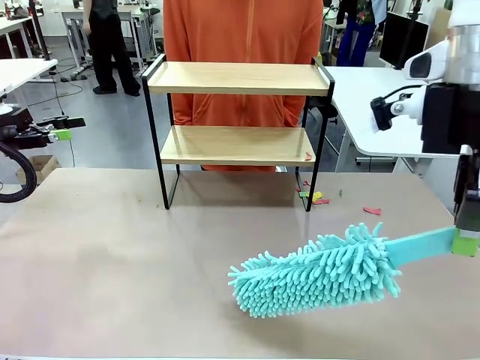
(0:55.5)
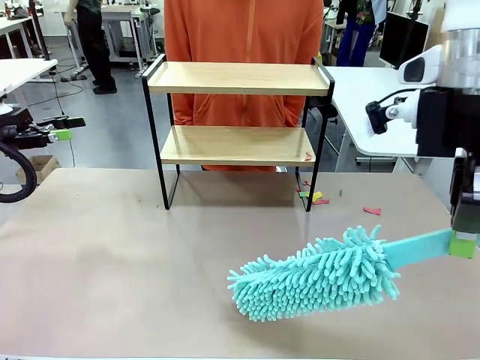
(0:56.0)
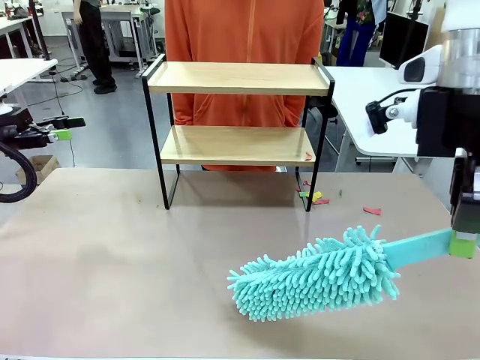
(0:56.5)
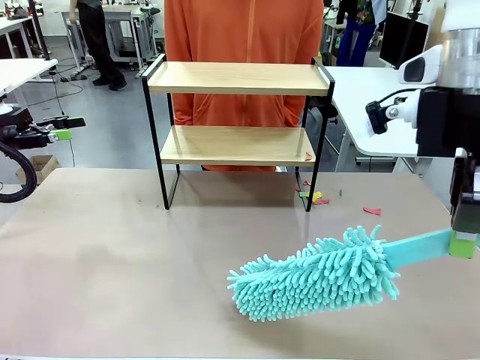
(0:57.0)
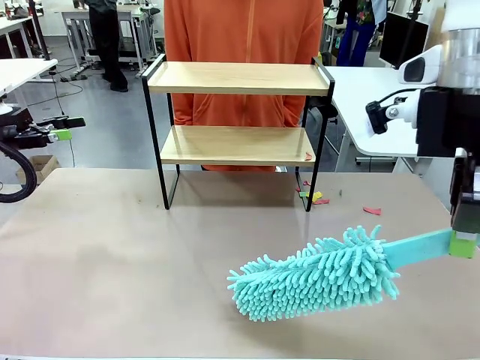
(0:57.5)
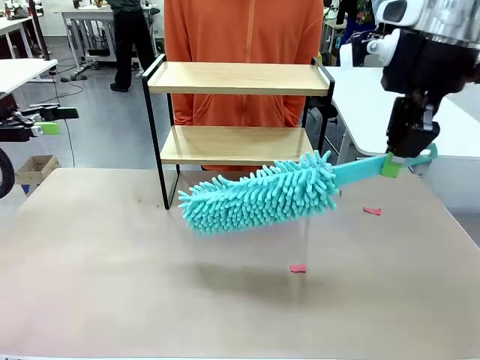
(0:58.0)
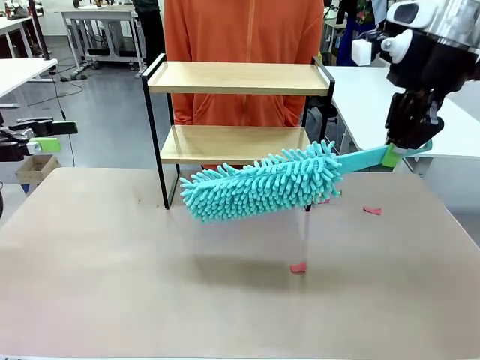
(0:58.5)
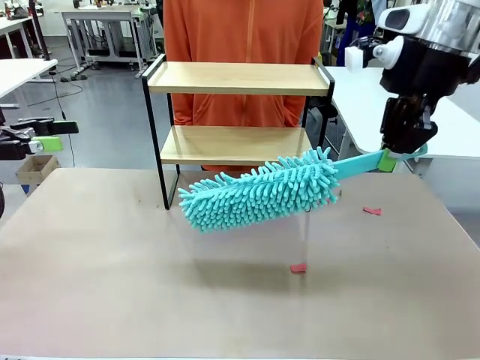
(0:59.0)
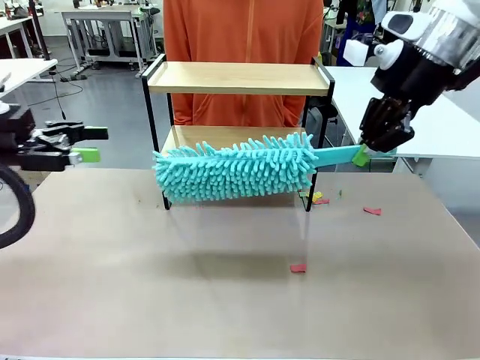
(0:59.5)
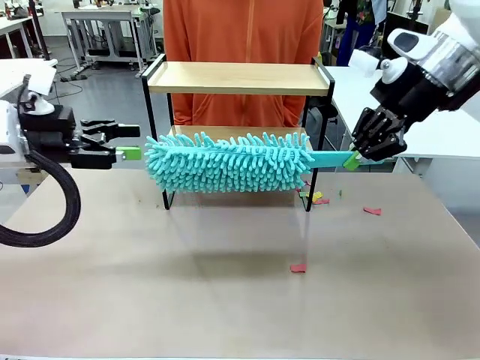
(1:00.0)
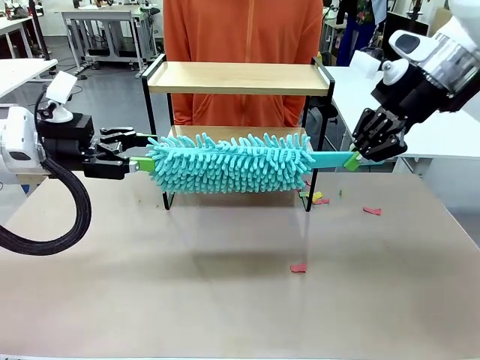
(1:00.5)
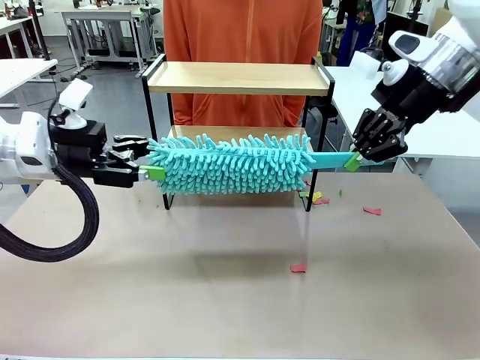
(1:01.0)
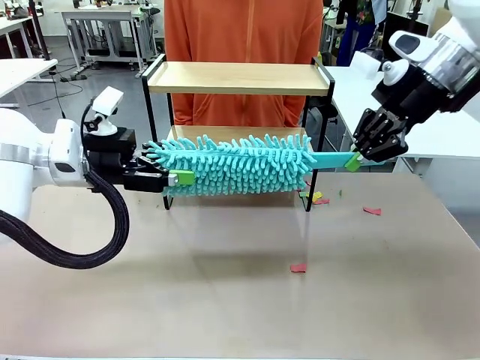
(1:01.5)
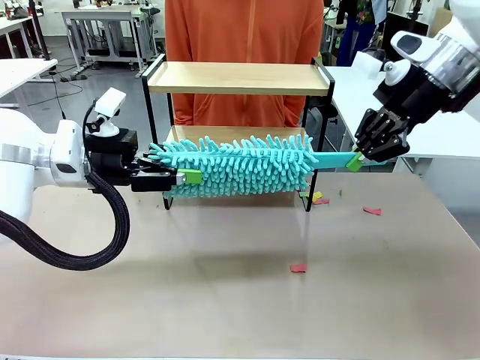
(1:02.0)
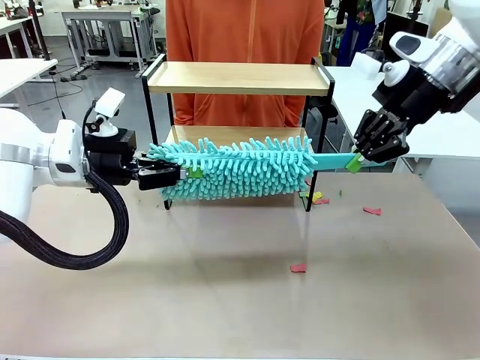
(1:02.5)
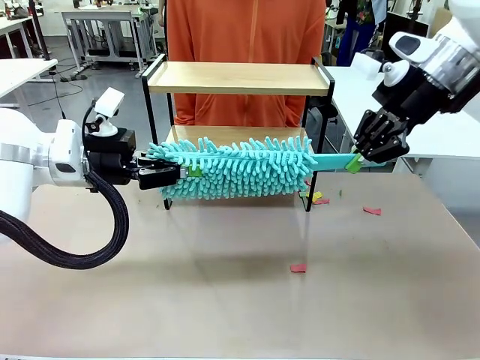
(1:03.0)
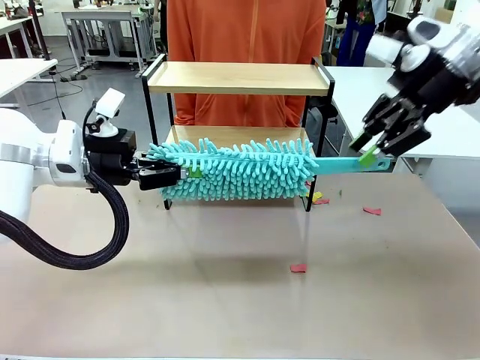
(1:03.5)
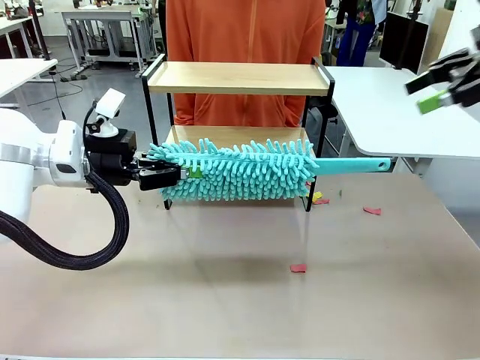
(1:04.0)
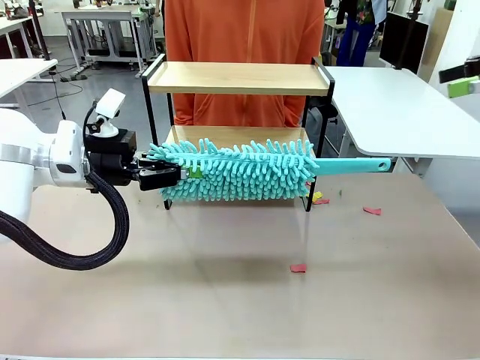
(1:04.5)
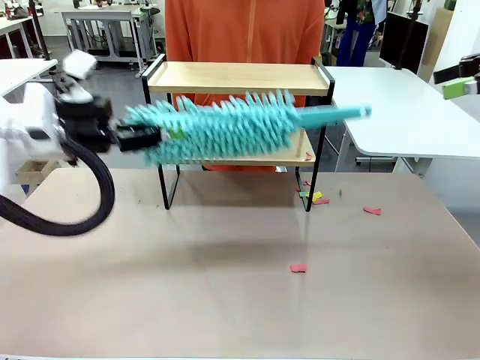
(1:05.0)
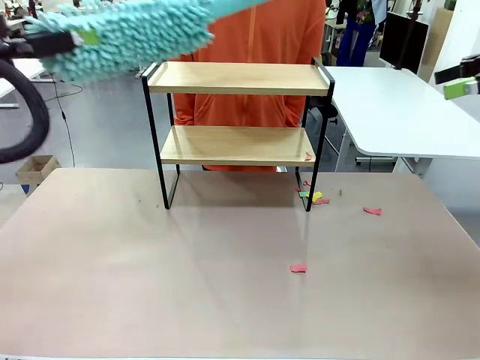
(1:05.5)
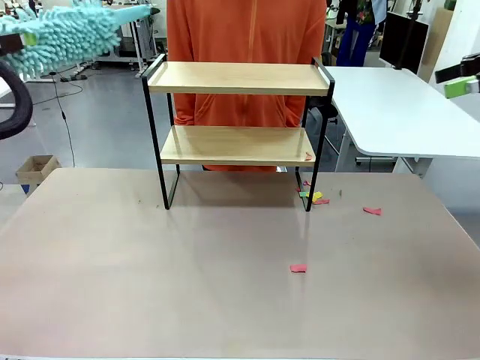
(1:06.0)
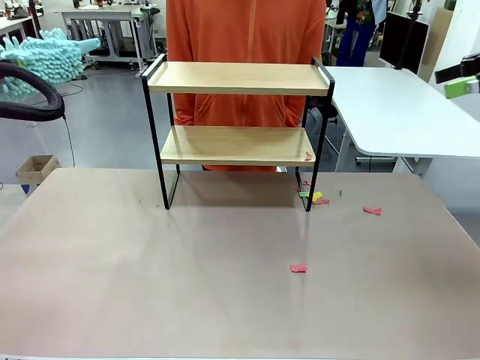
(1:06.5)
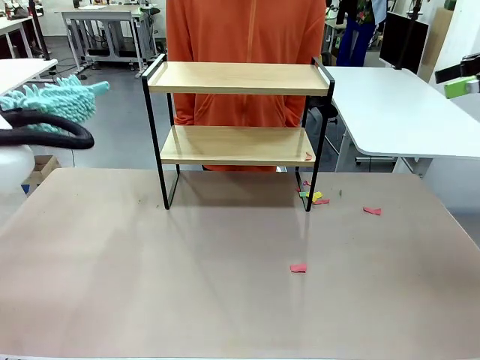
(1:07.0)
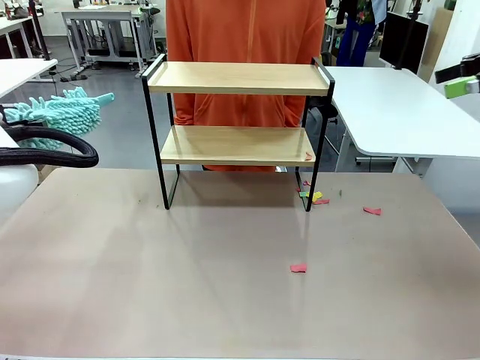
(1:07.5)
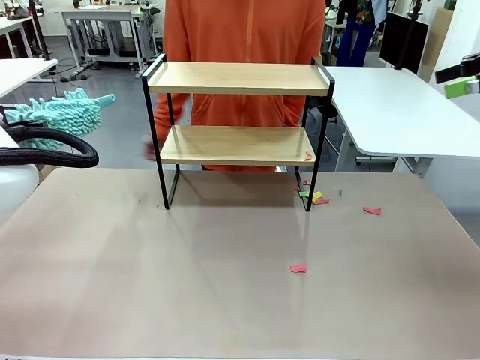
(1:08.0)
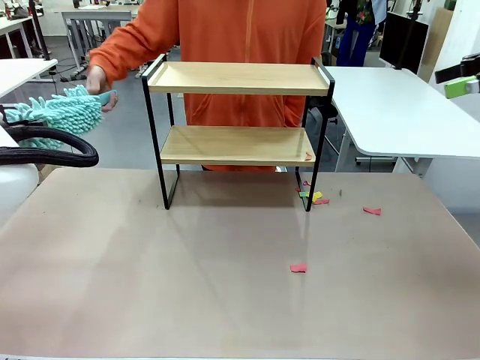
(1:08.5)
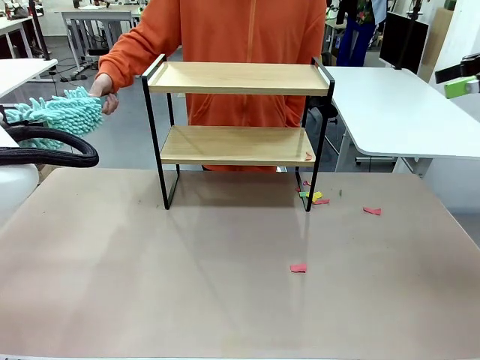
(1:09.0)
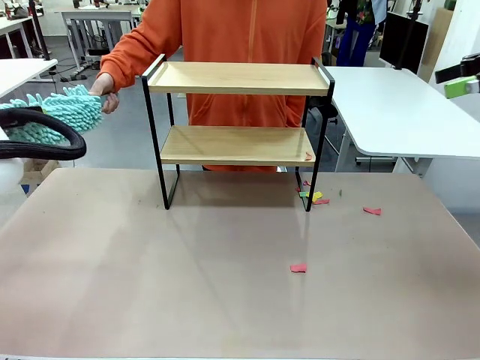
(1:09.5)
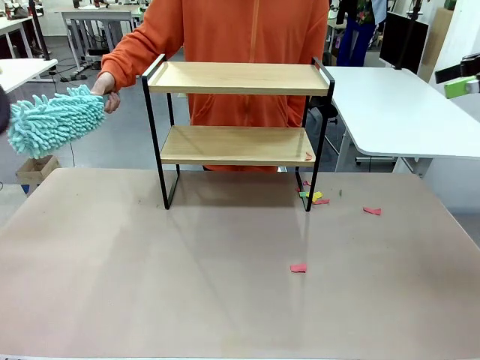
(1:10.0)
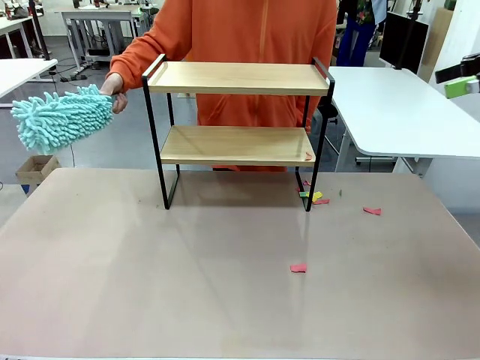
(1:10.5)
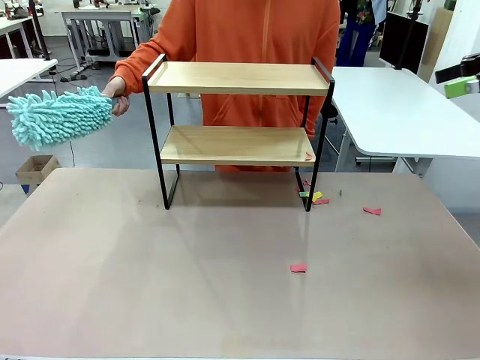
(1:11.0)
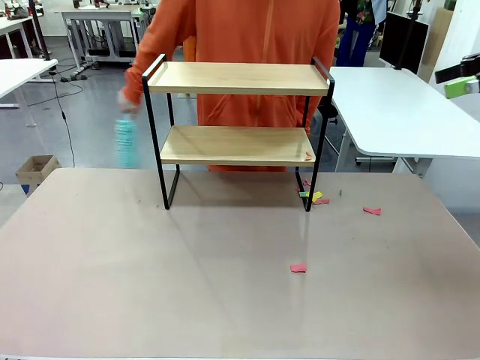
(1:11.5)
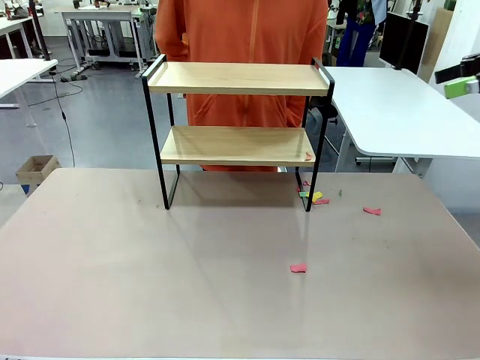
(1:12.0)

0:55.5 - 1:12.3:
Task: Clean the shelf.
Robot: Hand the Duster back to the human.
Person: Receive the Duster from the robot.

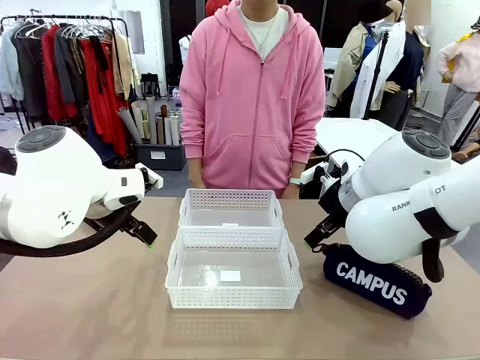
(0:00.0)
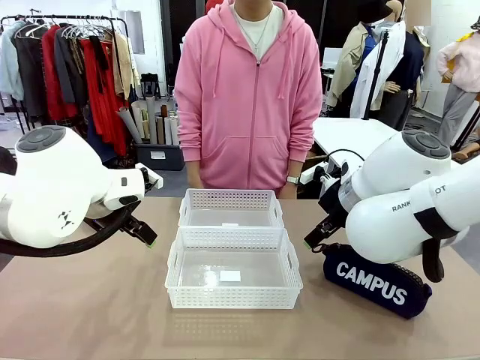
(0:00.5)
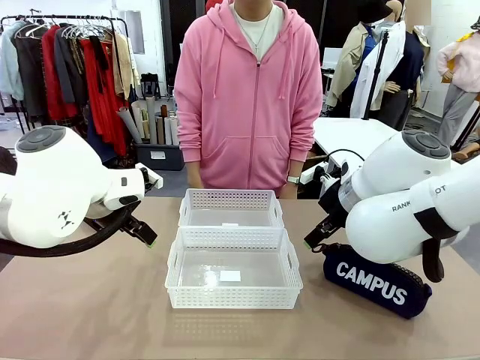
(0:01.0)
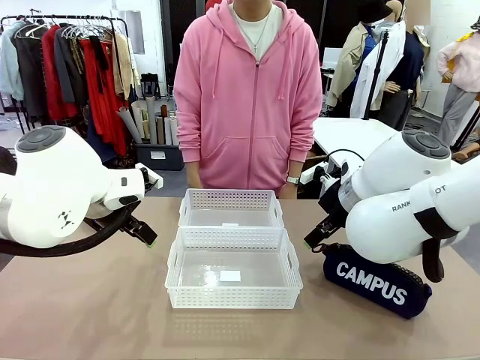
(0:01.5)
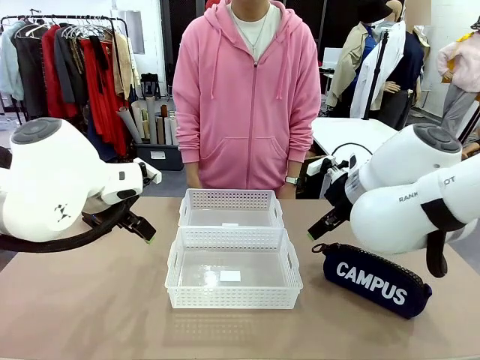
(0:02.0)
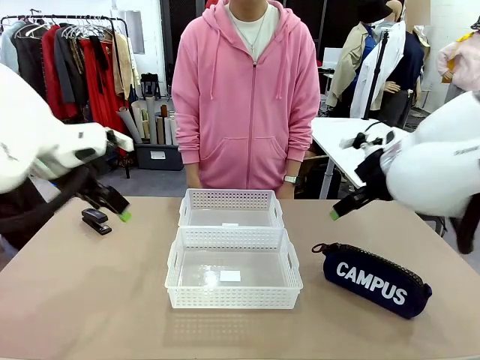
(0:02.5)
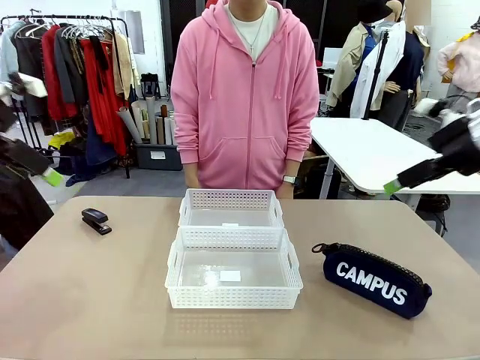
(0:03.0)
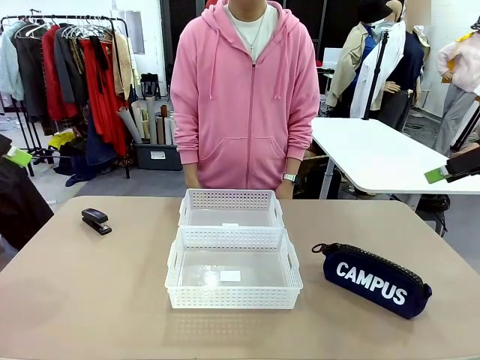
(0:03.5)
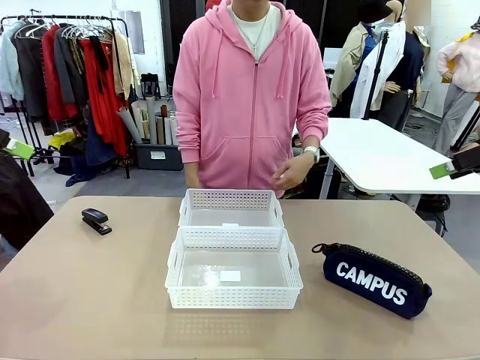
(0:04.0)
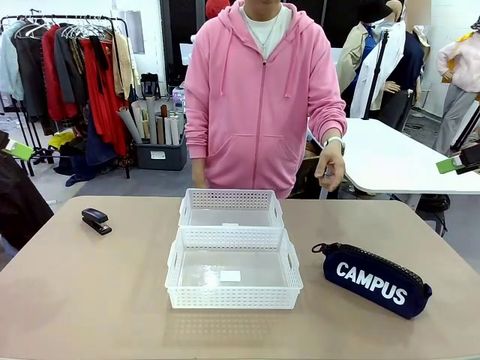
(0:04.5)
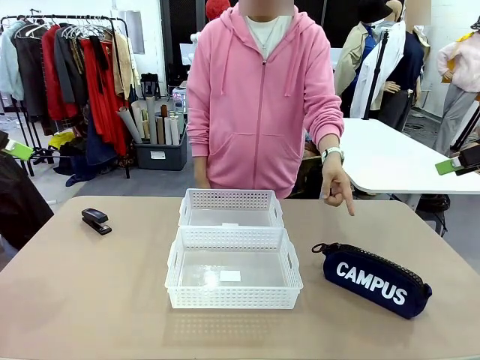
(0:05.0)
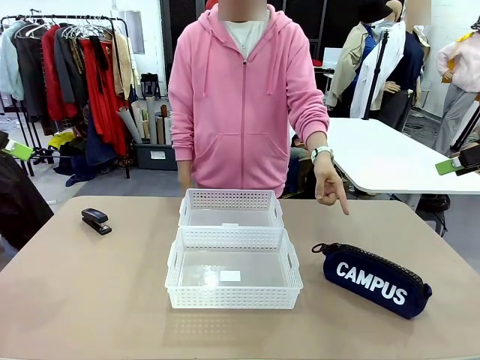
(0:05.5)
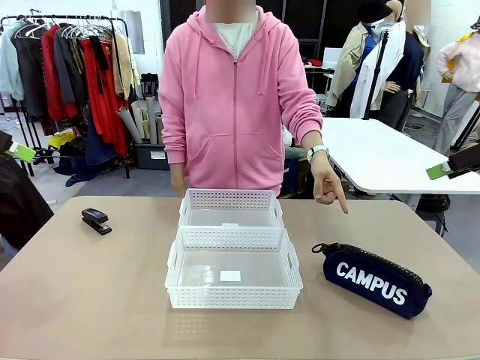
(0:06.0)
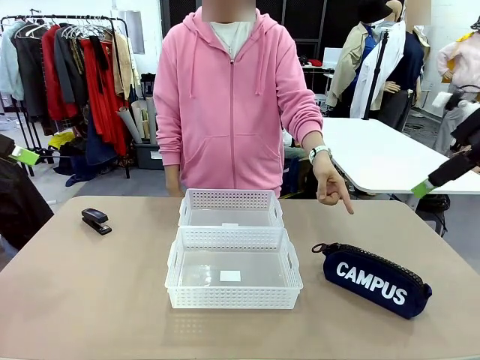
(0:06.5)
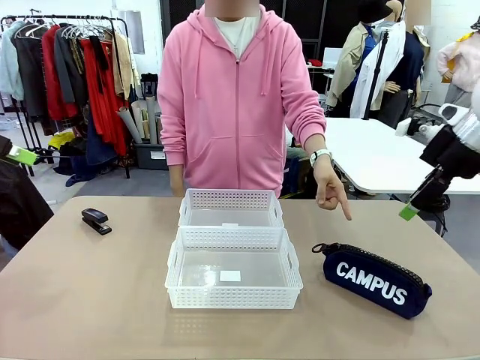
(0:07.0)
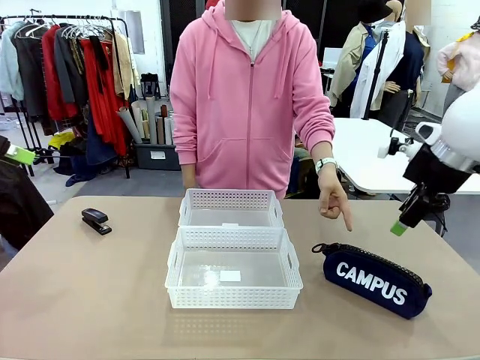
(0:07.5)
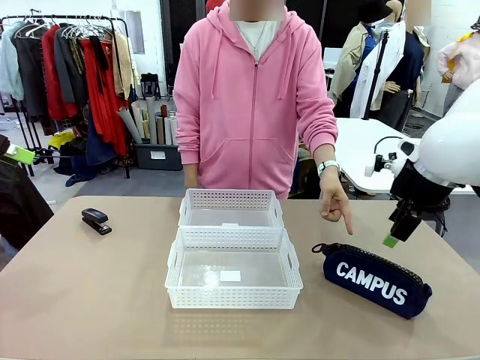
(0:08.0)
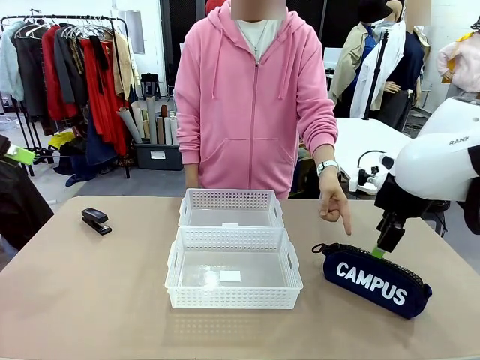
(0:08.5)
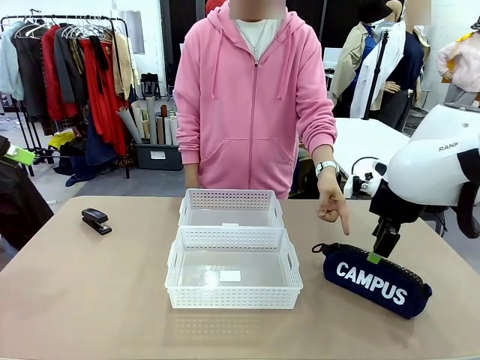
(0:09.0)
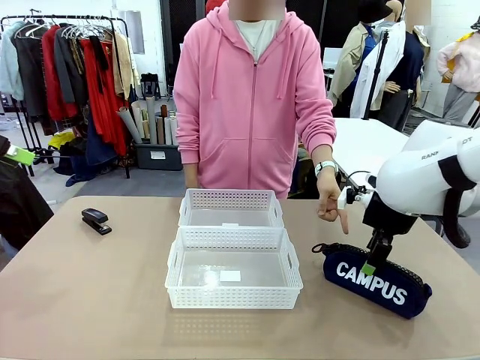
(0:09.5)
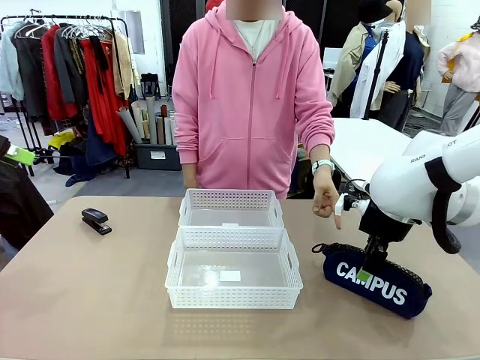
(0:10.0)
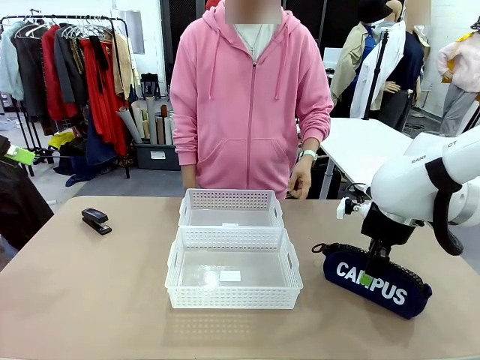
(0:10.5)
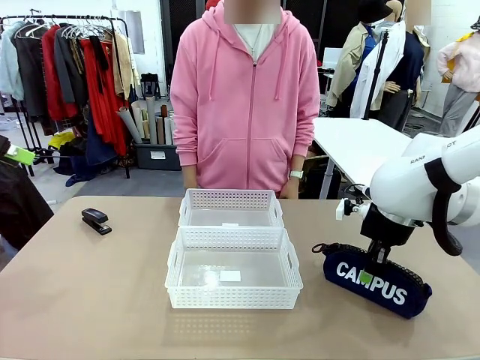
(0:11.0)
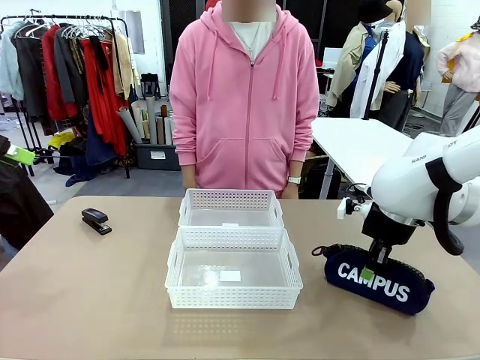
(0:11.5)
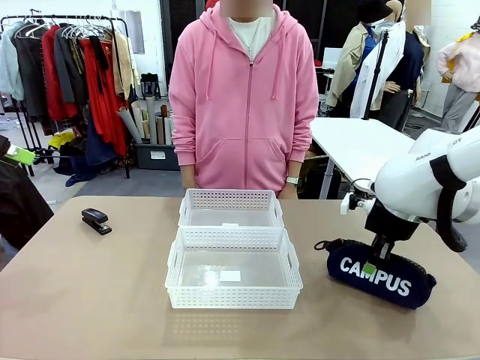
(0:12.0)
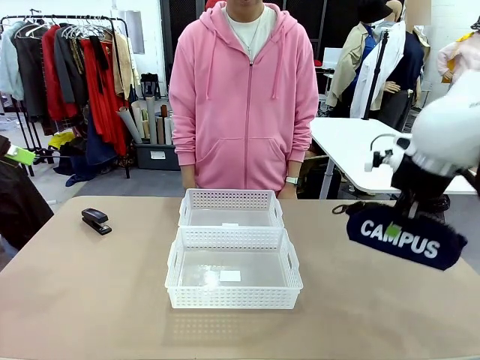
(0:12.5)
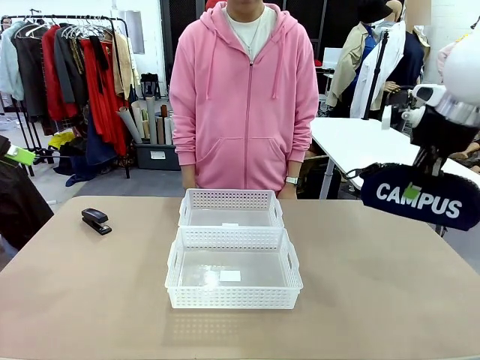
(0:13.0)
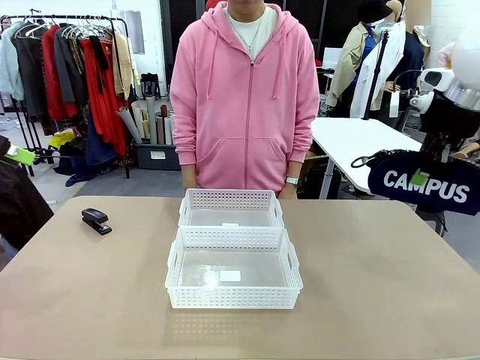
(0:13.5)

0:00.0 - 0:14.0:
Task: Distribute items into two baskets.
Robot: Pick up the Pencil pouch that the person points to.
Person: Points to the pencil case. Points between the two organizing baskets and instructs the robot to move the pencil case.
